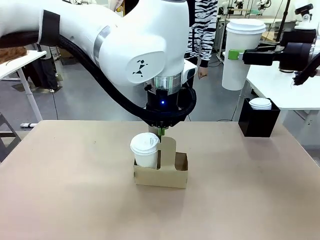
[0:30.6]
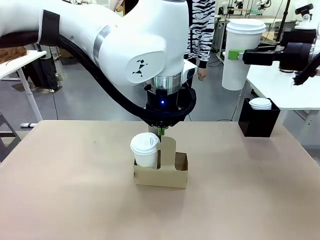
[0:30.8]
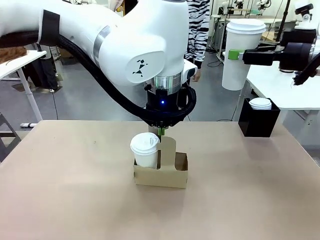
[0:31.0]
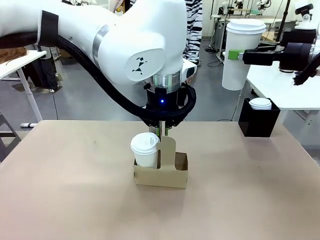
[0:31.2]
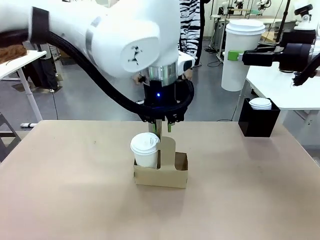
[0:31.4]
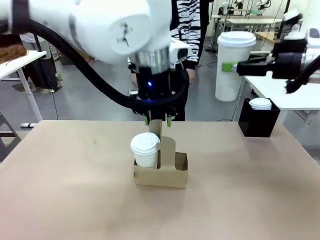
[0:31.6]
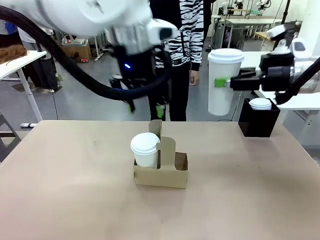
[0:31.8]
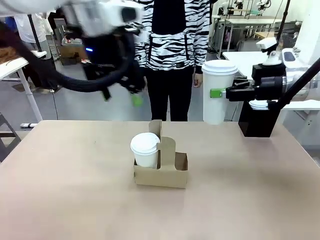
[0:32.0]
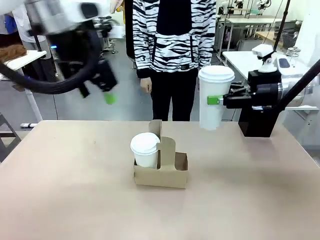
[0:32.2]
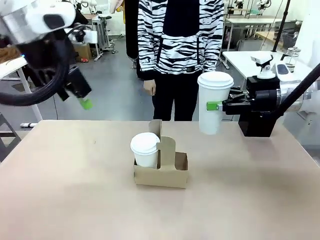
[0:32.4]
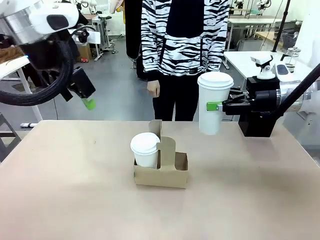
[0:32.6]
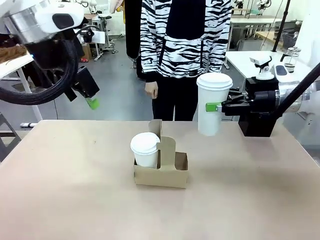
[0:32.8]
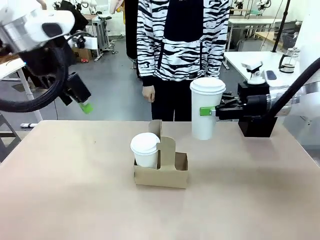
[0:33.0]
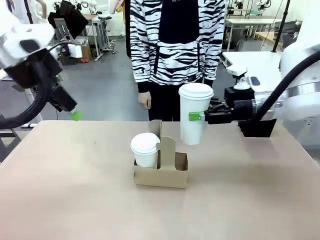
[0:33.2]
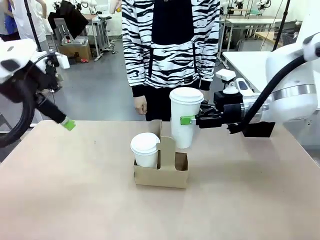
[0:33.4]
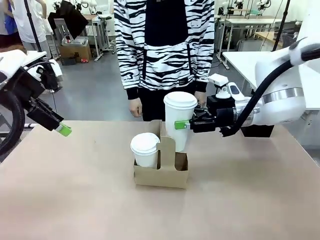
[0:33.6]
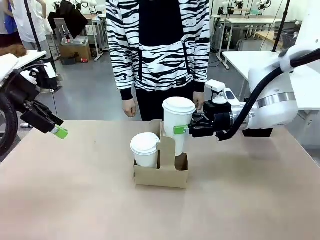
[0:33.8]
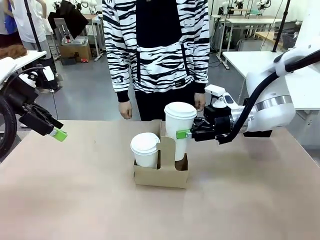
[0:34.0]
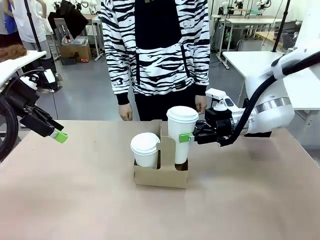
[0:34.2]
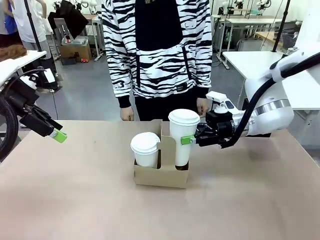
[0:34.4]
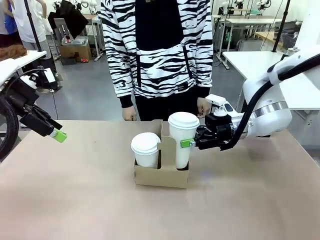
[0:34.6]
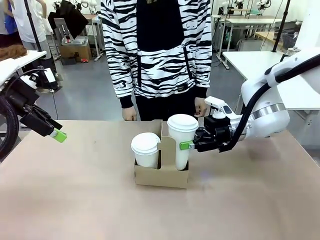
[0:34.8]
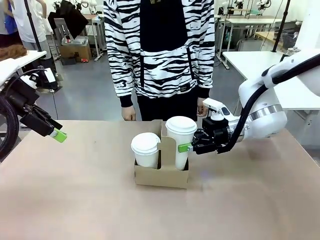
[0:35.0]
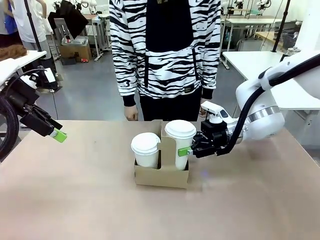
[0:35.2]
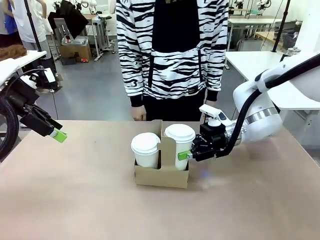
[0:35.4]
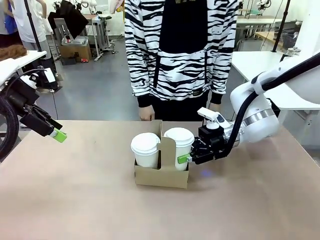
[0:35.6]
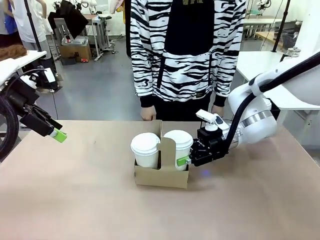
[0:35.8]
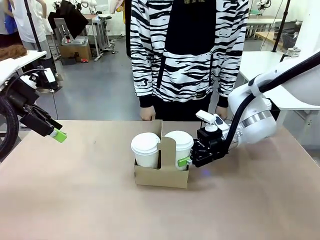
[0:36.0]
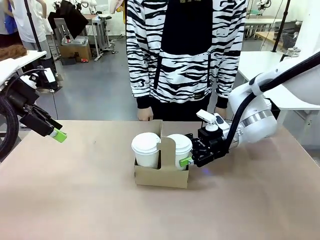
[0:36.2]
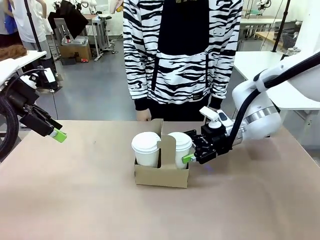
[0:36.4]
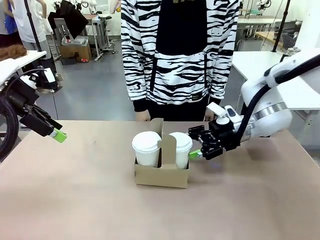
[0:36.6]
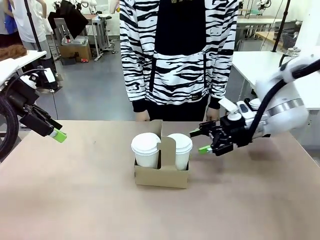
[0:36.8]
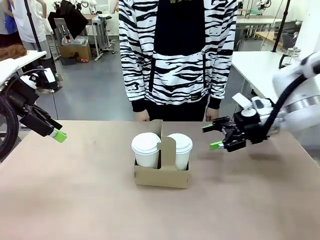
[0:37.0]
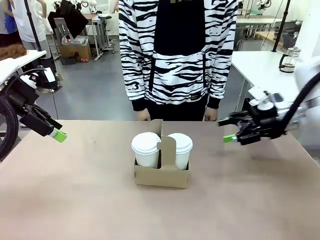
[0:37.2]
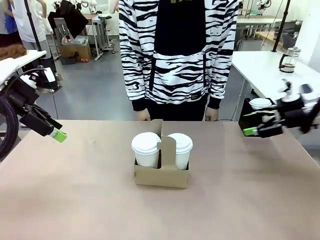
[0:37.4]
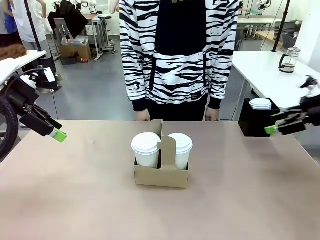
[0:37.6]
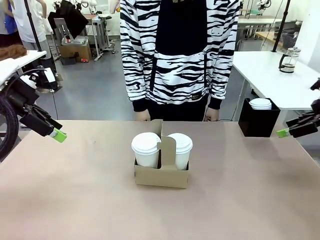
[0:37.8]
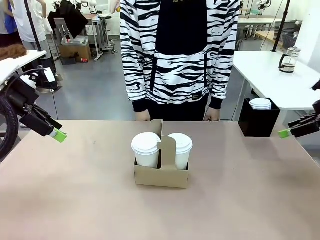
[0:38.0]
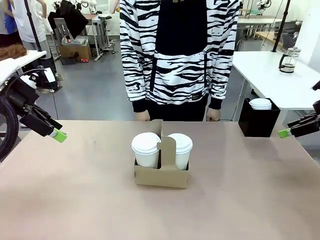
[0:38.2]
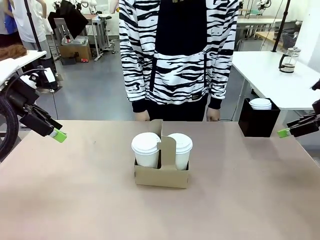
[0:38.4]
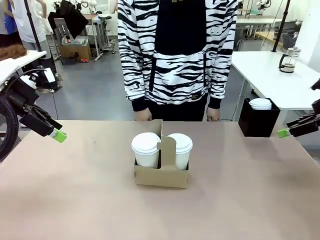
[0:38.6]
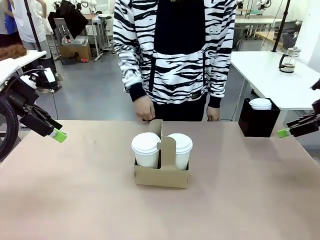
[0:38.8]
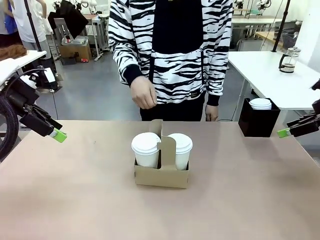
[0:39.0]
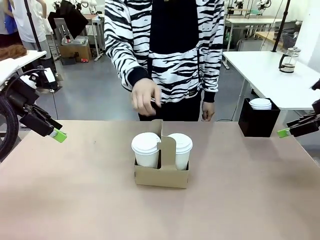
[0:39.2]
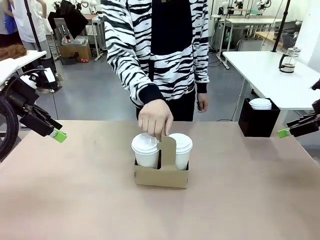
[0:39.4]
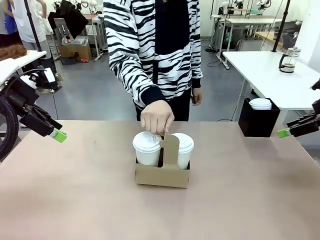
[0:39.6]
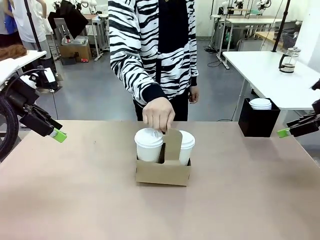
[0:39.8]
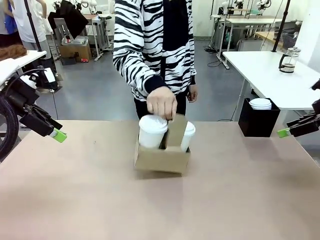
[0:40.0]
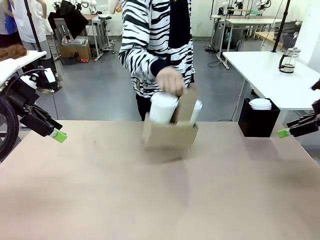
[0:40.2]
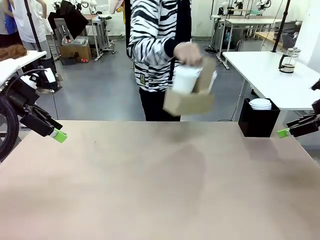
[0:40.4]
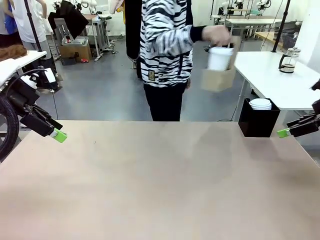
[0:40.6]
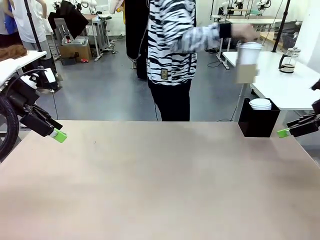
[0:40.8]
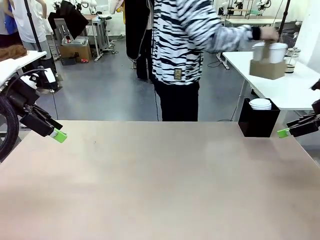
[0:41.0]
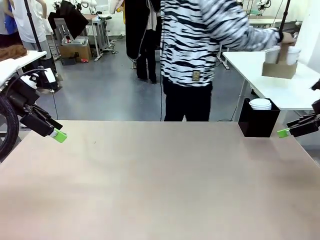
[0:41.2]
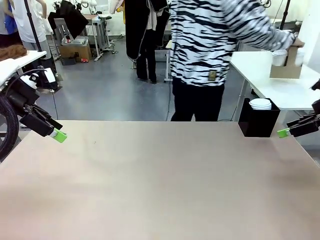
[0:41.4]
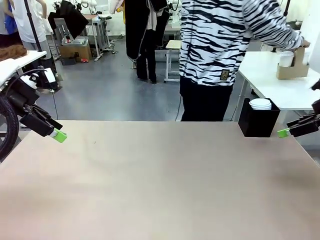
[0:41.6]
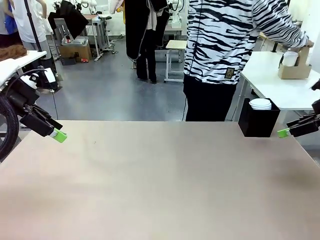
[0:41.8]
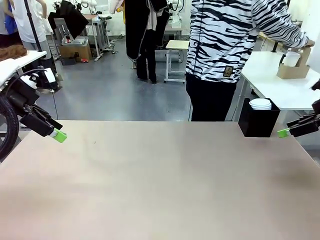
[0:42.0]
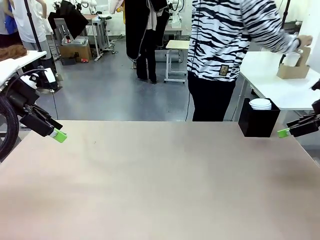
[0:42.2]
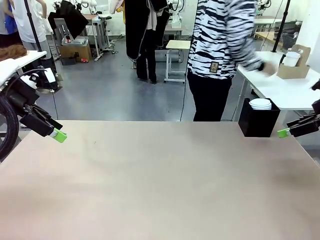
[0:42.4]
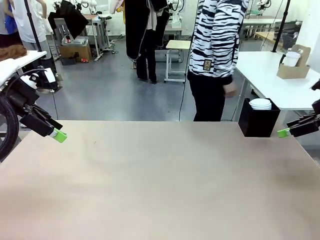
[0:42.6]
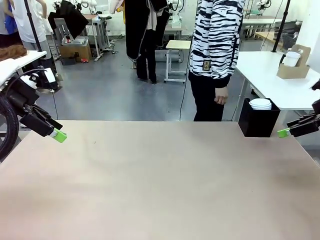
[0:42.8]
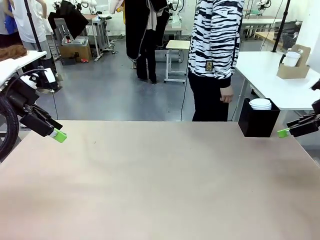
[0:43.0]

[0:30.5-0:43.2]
Task: Pour a drink into a cup and package it in a carrier.
Robot: Insert the held 600 ml Paper Cup into the Cup Carrier.
Person: Place the Cup Carrier to the middle of Human table.

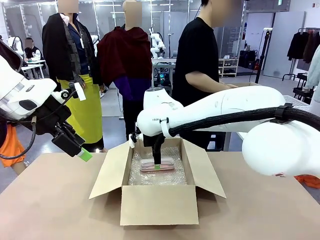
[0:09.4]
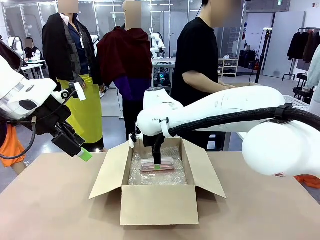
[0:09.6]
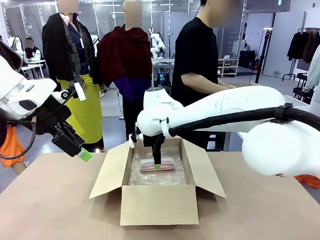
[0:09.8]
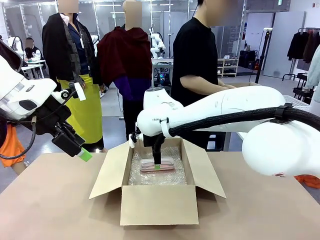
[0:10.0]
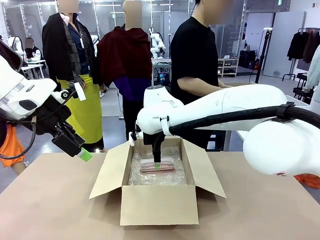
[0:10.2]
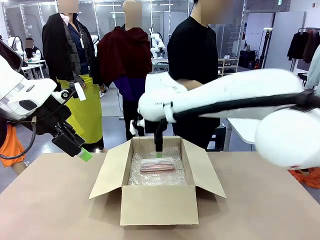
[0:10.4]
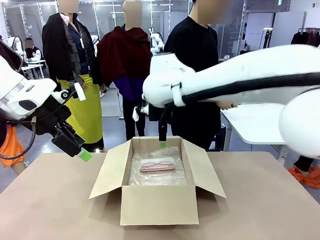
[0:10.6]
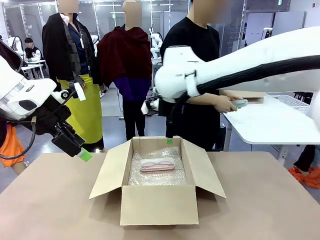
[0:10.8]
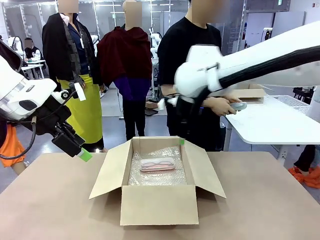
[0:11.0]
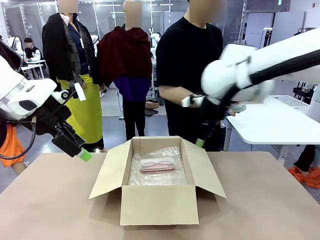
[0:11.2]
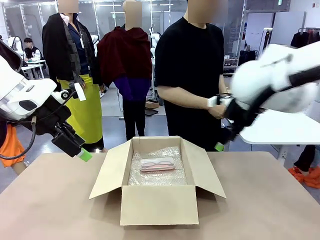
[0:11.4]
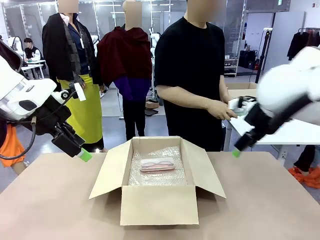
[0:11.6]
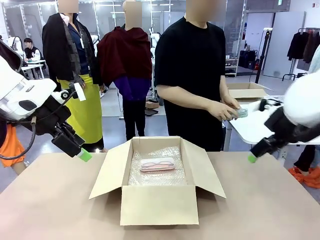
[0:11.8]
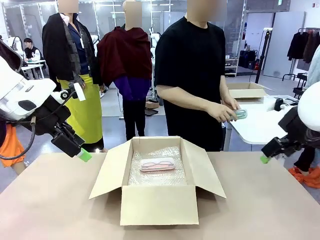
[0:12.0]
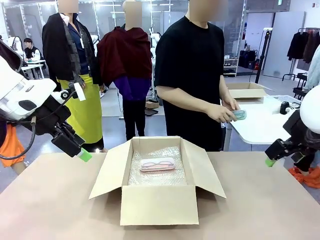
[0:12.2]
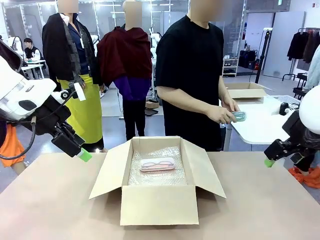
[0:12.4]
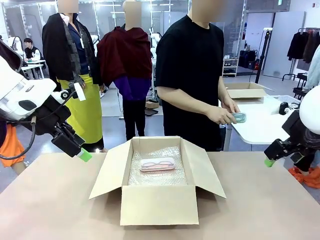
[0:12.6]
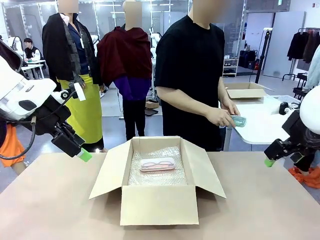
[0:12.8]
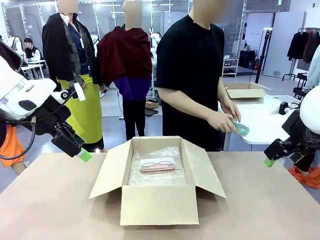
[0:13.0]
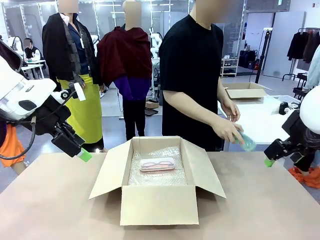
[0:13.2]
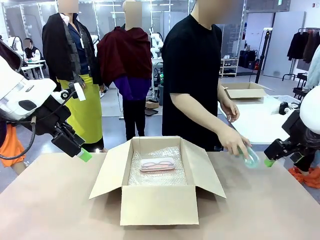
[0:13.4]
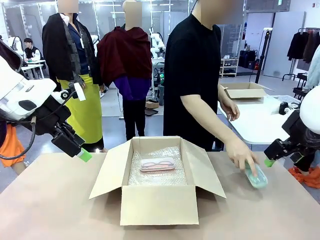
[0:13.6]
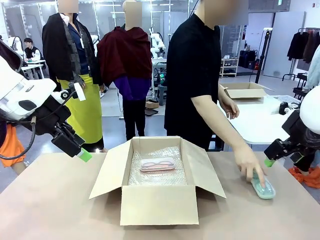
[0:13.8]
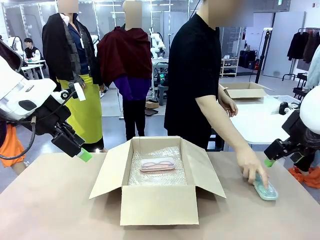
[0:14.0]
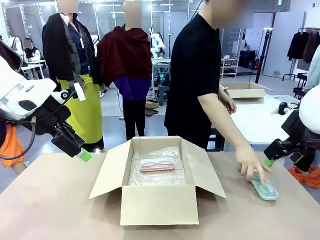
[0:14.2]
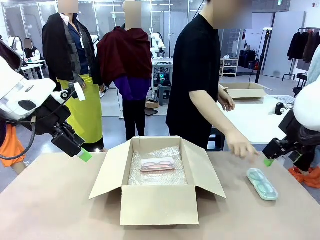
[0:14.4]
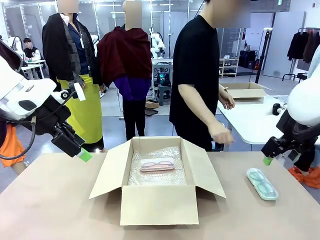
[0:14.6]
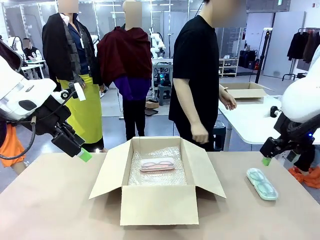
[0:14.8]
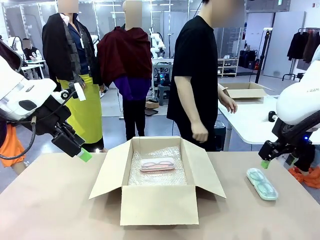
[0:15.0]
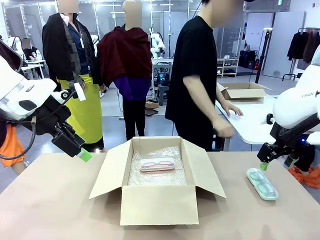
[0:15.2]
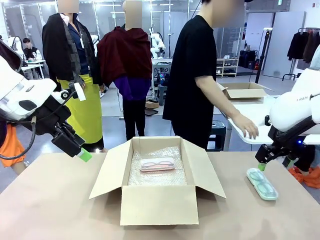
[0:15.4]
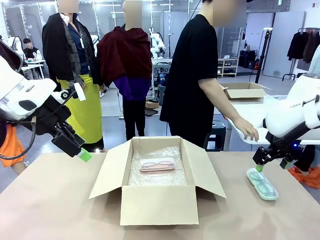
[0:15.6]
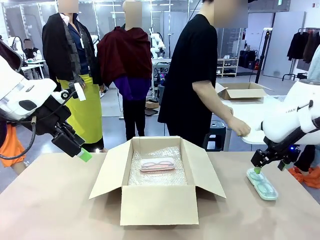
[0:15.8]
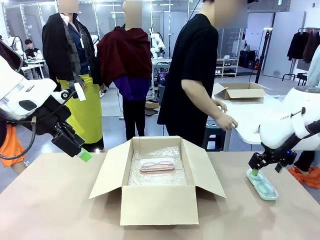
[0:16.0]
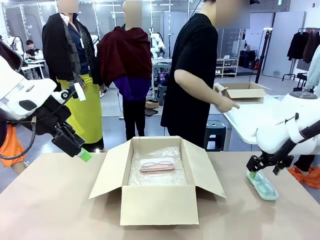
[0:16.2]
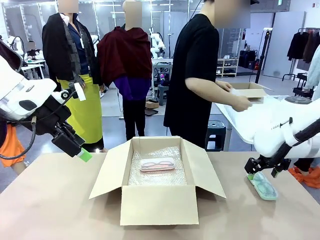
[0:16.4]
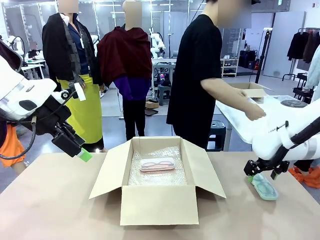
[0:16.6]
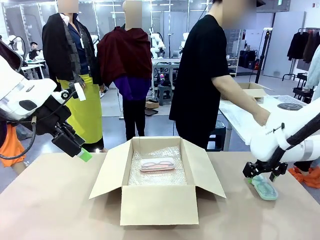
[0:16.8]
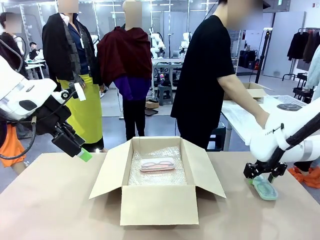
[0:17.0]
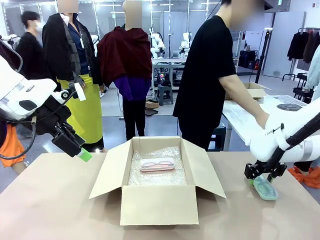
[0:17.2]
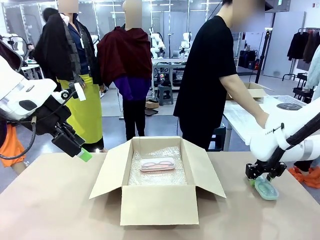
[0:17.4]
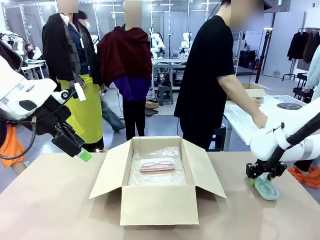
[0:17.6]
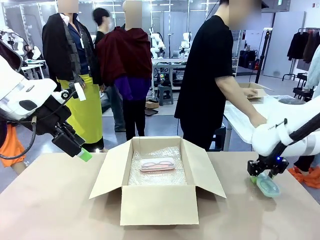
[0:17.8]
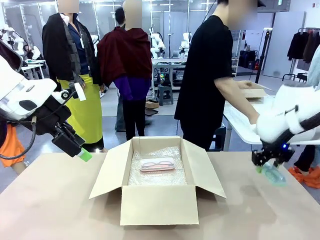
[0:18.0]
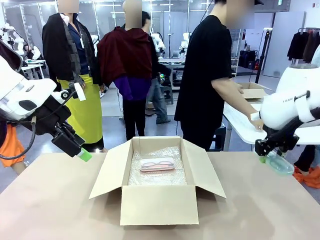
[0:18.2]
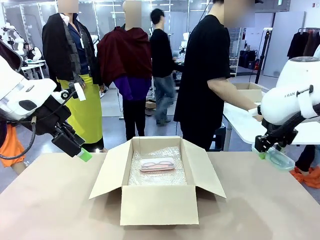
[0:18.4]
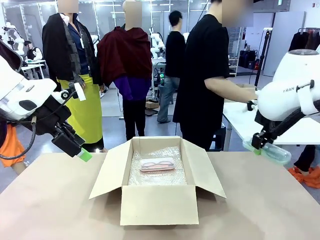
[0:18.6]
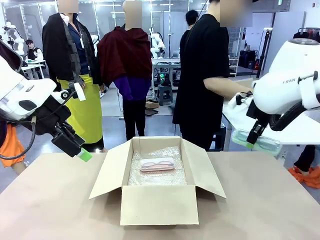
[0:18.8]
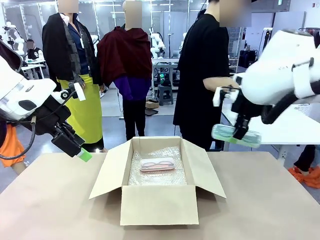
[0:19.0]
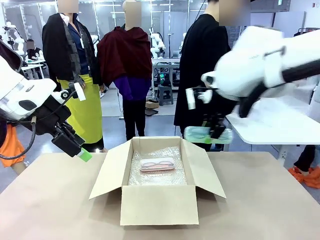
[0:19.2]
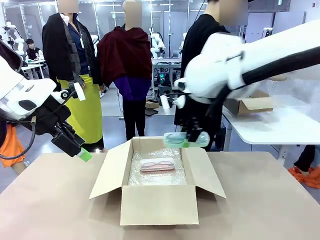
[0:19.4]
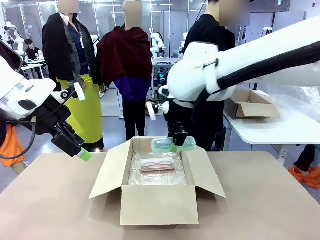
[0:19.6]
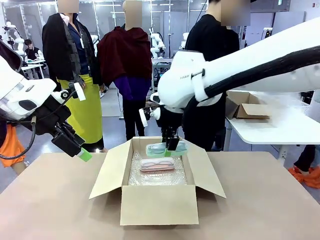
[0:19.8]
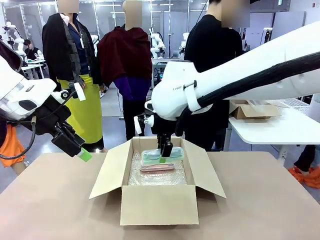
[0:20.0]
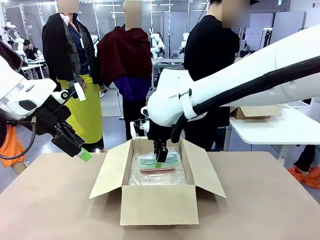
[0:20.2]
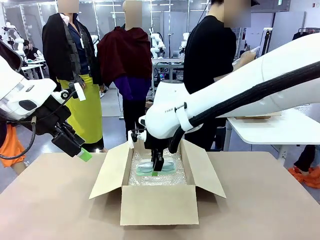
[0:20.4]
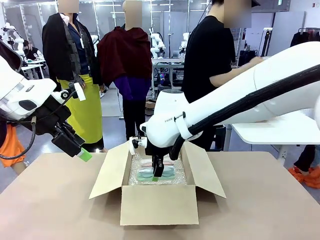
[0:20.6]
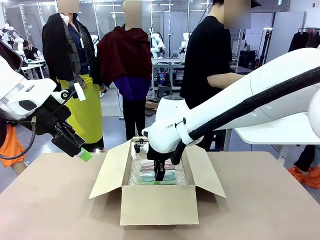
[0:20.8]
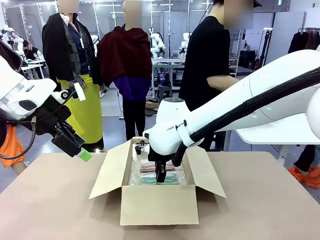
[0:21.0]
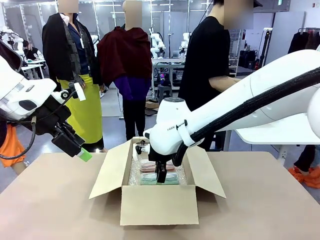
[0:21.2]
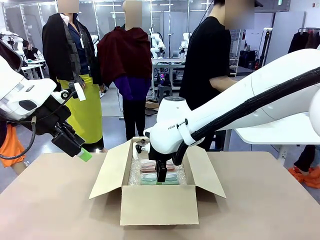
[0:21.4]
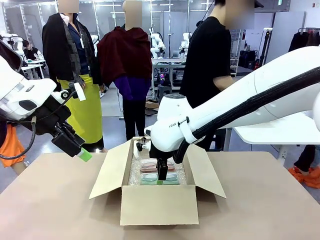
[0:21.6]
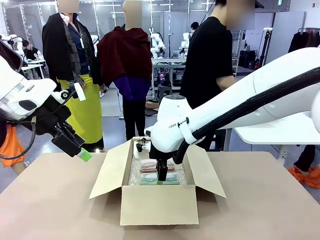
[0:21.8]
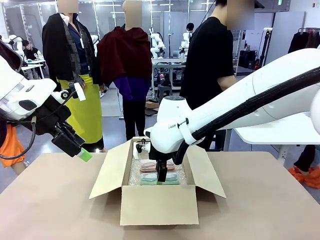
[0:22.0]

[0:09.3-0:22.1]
Task: Pack the glasses set securely to prepare it for shipping.
Robot: Put the Glasses case from the right side of the table into the Package Box.
Person: Position the Glasses case on the left side of the robot's table.
